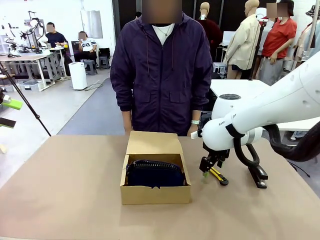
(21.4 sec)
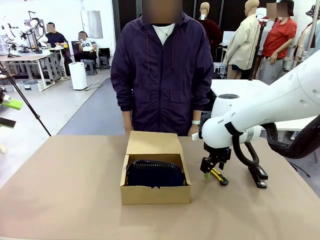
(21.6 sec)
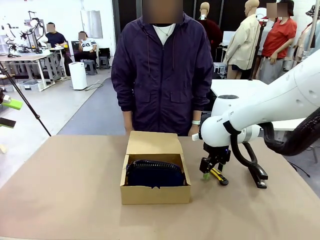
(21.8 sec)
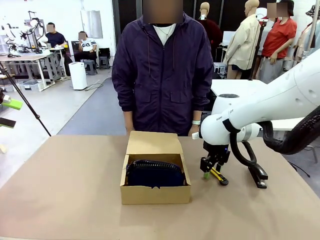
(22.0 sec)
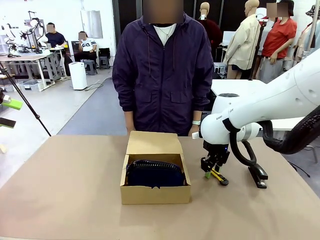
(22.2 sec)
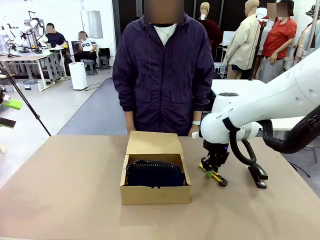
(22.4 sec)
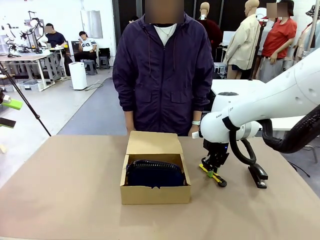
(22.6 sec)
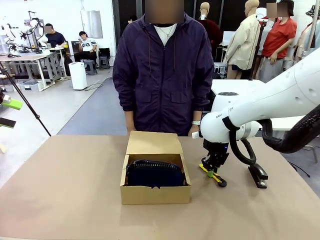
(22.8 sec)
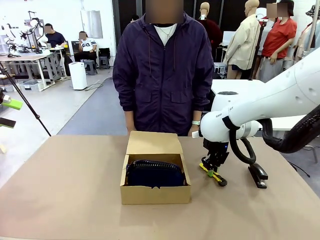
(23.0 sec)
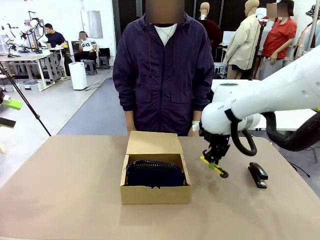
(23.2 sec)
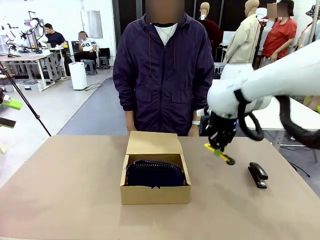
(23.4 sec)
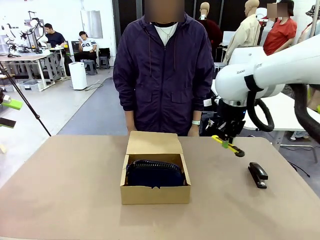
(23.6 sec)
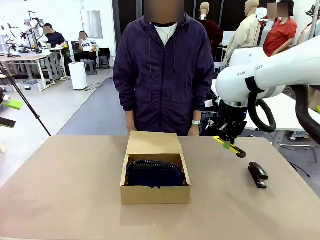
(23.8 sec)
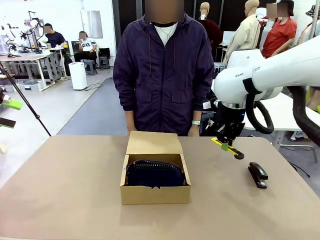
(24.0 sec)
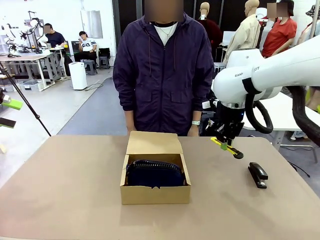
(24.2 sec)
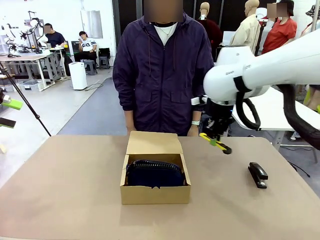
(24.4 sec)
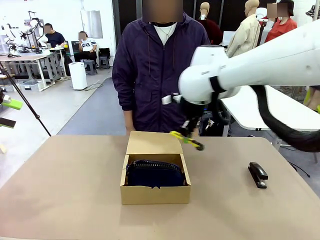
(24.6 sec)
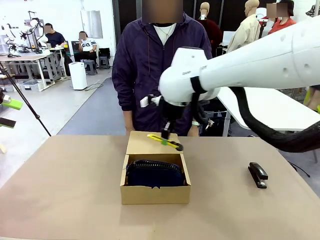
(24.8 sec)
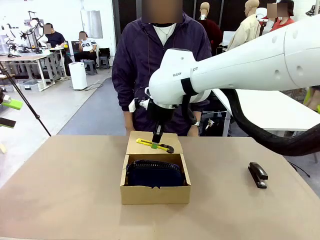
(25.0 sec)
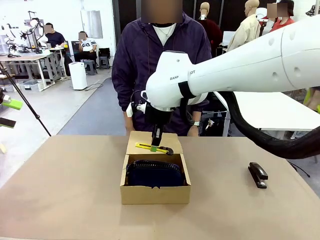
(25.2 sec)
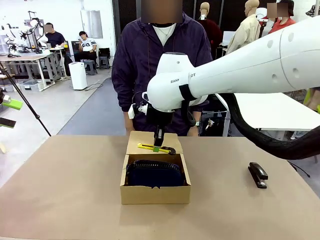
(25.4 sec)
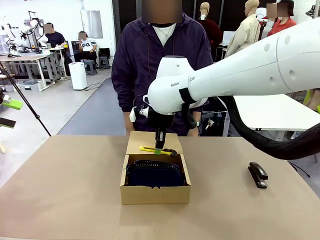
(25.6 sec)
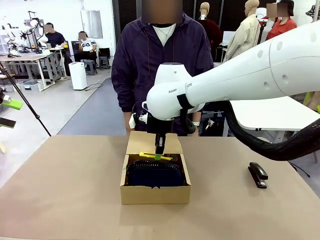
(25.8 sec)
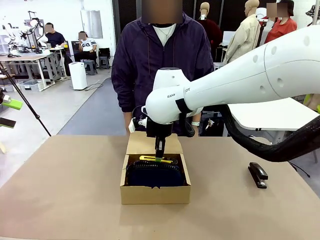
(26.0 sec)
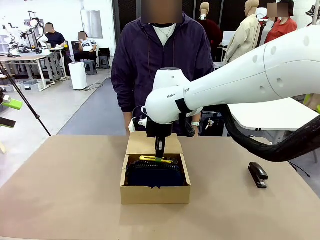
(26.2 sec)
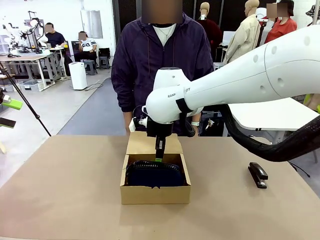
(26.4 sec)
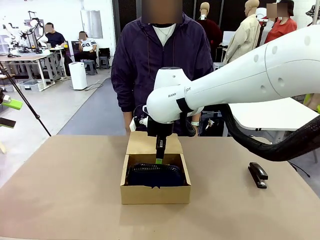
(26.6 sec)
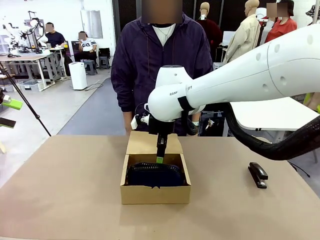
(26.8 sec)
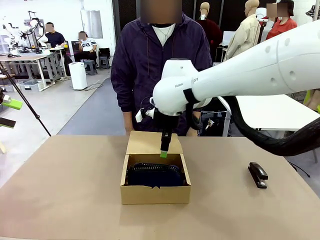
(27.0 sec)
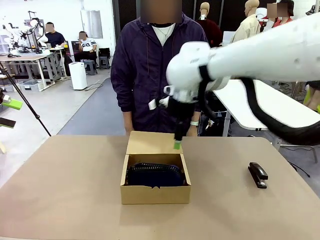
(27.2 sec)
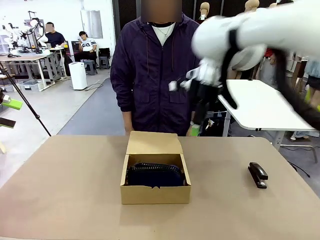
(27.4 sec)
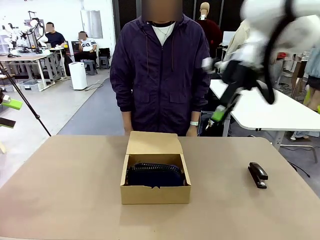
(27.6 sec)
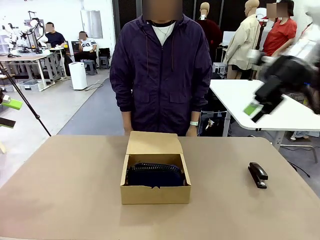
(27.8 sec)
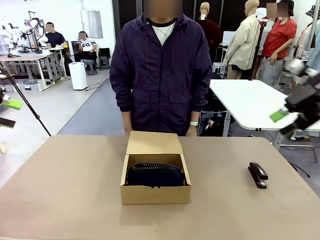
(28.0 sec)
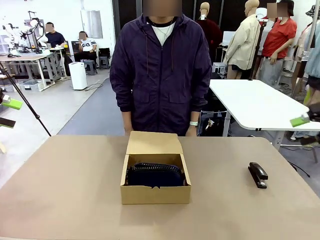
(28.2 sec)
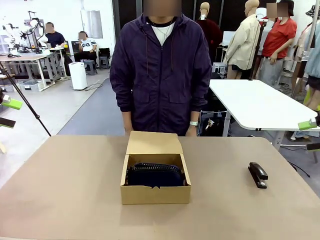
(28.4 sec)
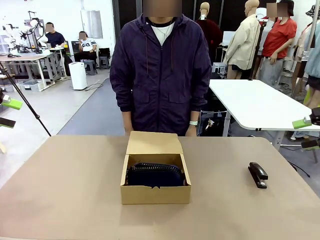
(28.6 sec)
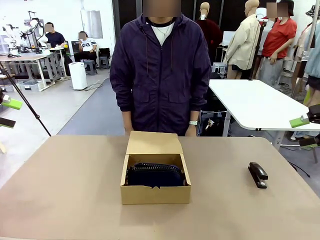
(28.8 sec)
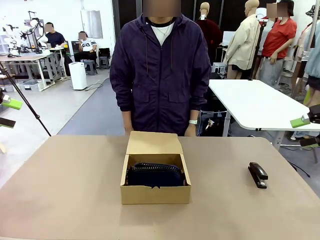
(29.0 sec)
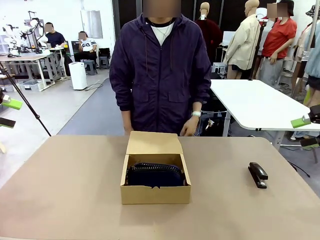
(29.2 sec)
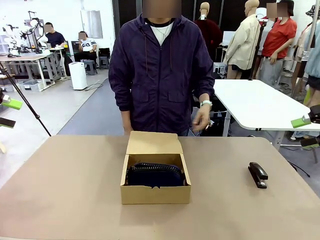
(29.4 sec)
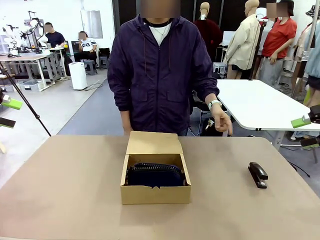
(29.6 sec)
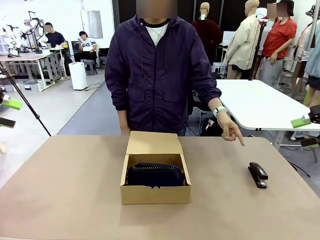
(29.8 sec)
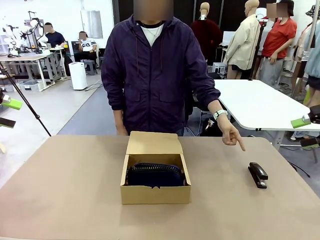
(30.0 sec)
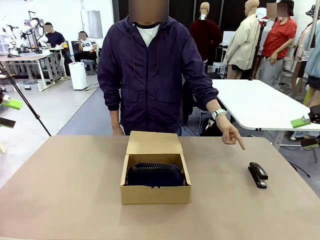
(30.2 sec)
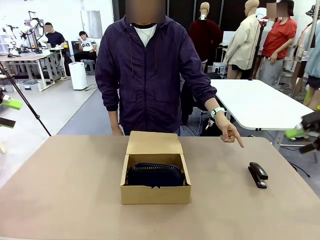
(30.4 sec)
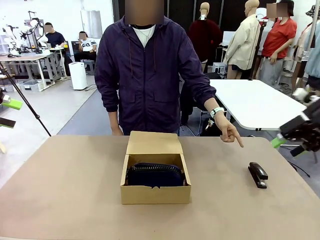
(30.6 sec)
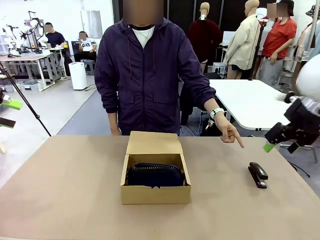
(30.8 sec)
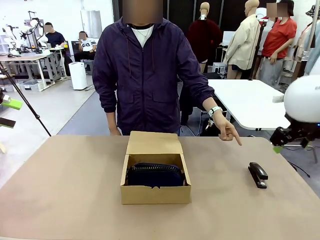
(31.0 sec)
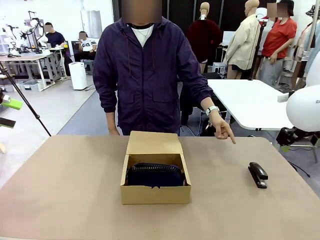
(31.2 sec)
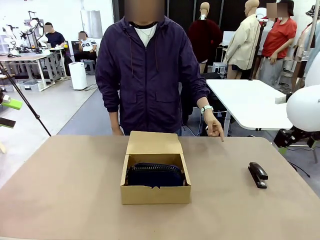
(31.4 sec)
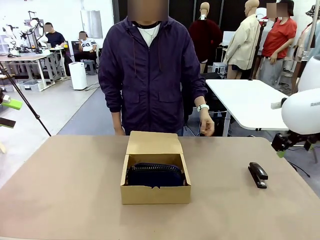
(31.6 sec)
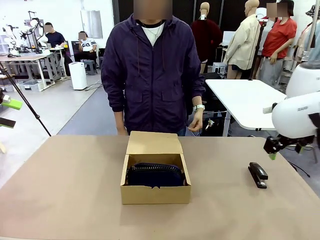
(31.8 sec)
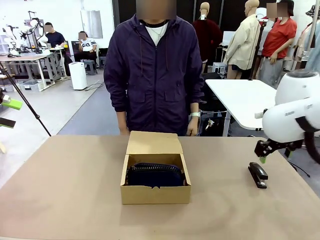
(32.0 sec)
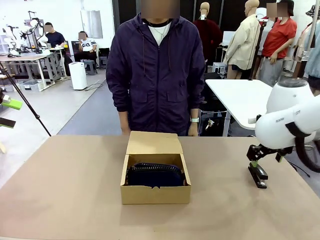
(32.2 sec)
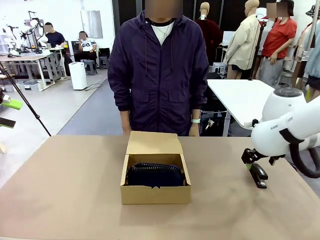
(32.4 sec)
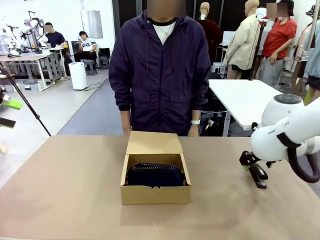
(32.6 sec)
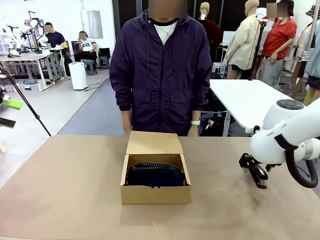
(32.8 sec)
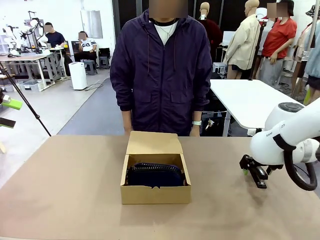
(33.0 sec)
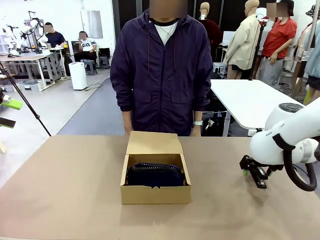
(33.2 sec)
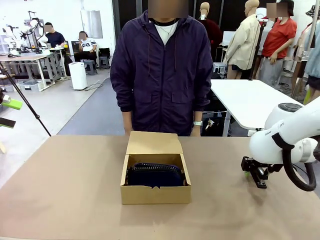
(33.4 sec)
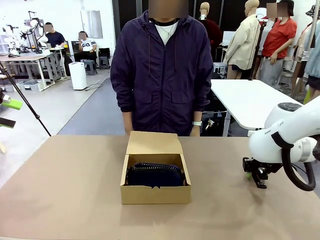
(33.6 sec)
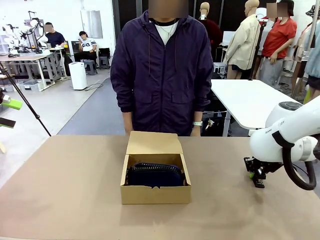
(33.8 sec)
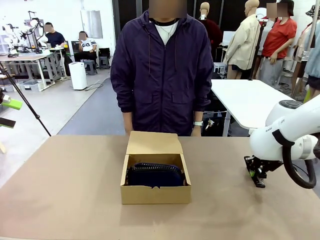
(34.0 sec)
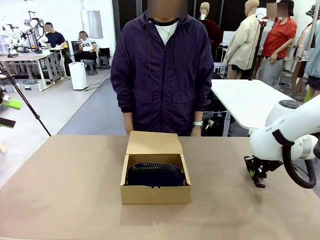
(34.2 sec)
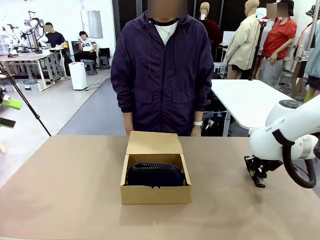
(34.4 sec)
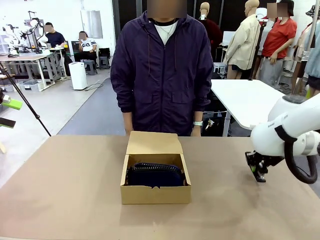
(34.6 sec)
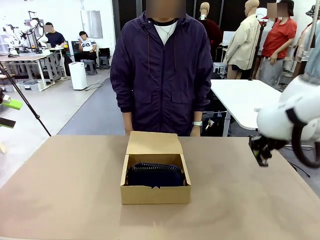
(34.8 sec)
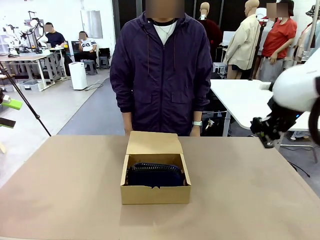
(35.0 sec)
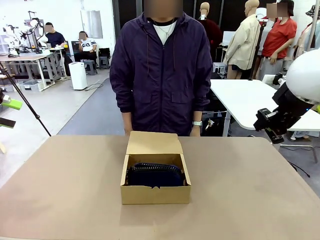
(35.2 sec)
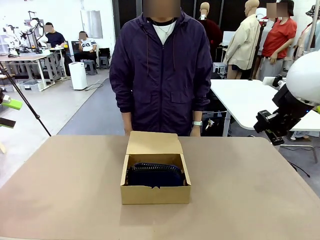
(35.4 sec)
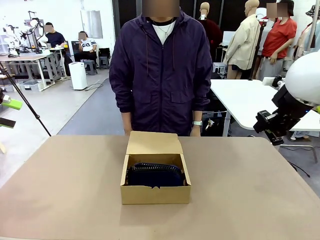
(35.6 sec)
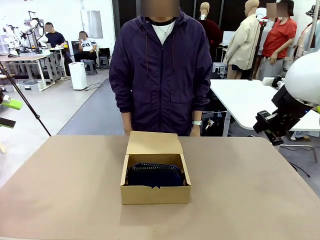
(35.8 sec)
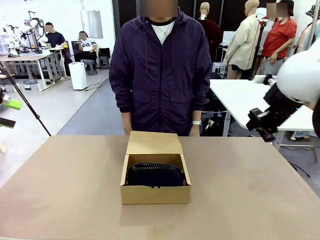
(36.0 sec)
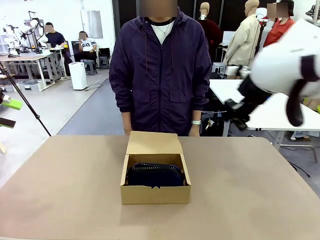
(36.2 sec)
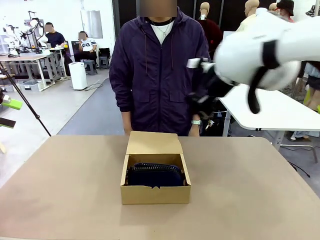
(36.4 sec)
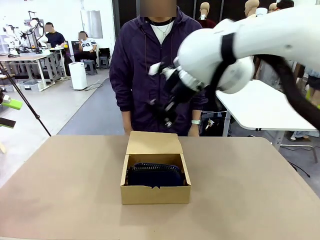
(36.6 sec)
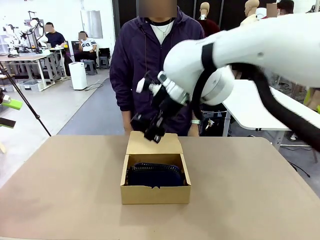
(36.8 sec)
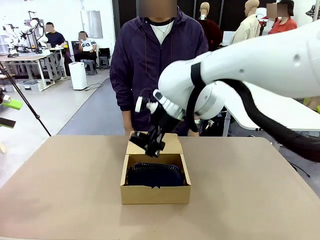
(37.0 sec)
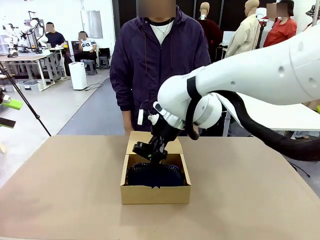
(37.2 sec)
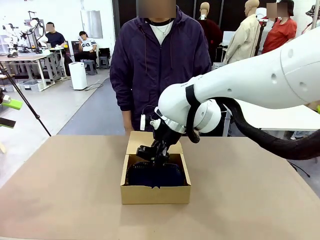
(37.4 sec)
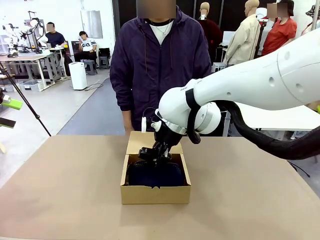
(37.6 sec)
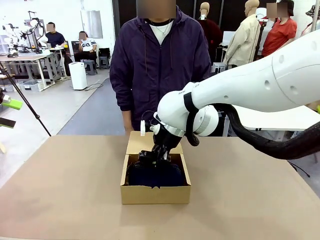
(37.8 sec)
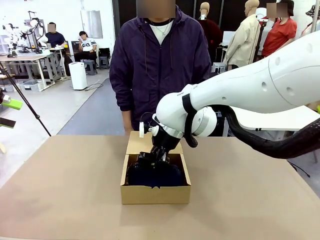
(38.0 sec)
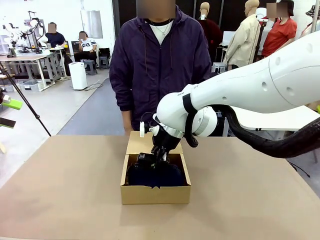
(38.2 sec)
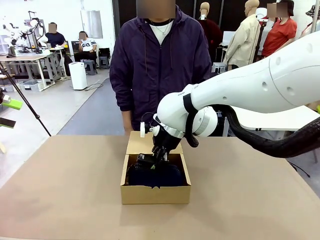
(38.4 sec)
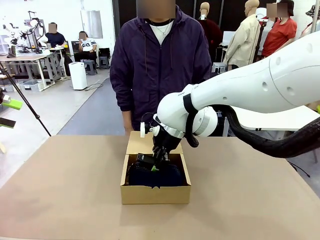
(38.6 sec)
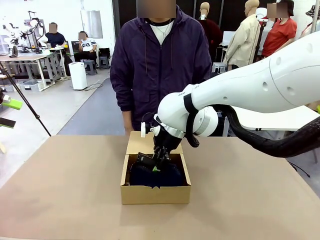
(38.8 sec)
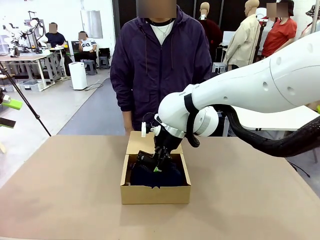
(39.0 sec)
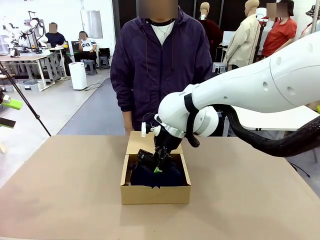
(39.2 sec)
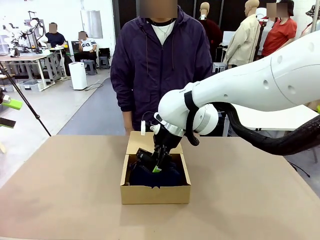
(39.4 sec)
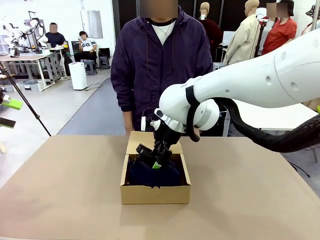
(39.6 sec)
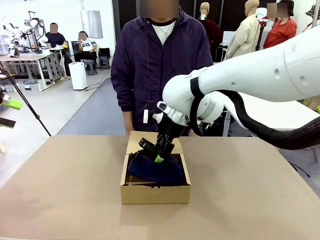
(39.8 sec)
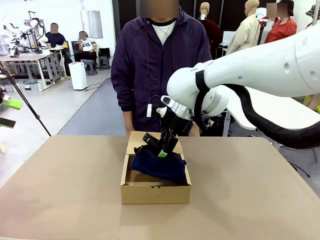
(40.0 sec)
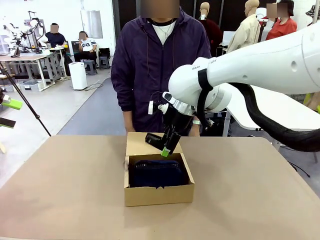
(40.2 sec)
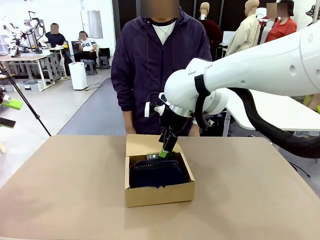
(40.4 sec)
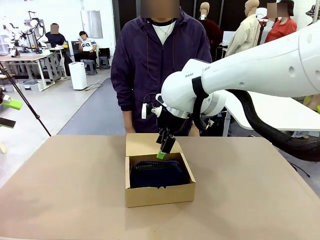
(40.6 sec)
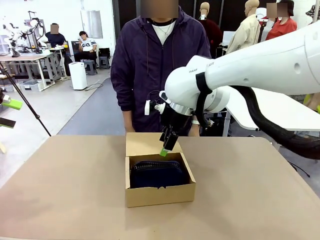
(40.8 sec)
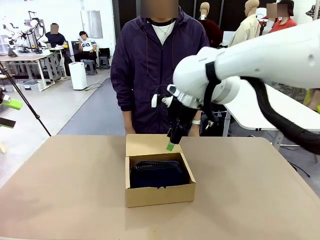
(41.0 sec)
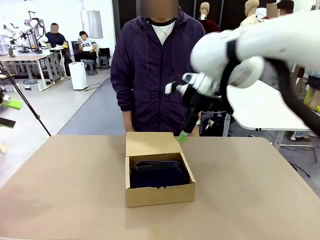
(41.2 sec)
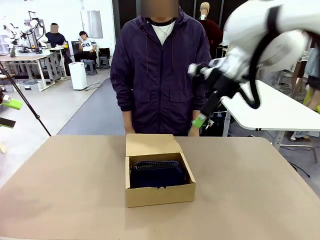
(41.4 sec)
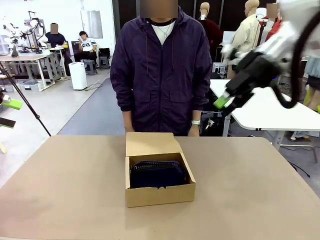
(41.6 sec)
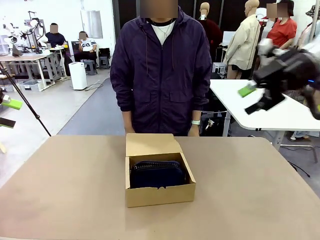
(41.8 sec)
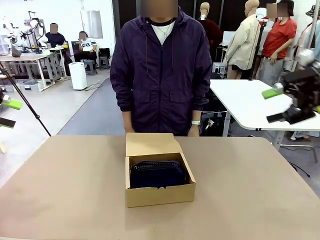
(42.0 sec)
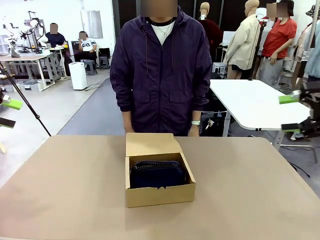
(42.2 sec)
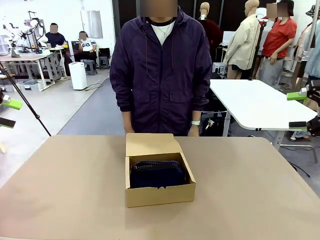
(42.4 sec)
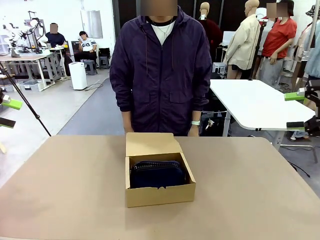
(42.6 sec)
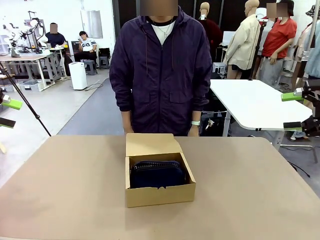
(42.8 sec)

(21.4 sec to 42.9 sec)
Task: Pack the items into the box.
Robot: Pick up the item indicated by the person and place it inside the Mailer Box.
Person: Lower both hands vertically with palms facing downward, as if pressing something closed.
